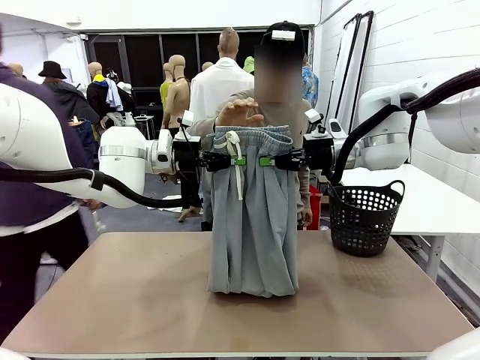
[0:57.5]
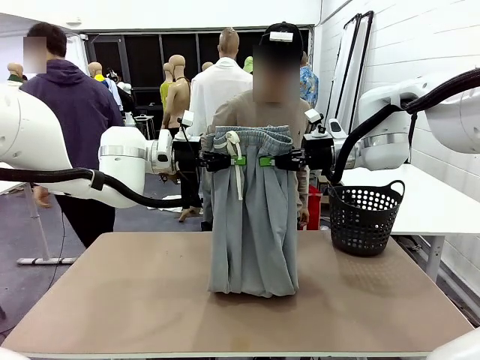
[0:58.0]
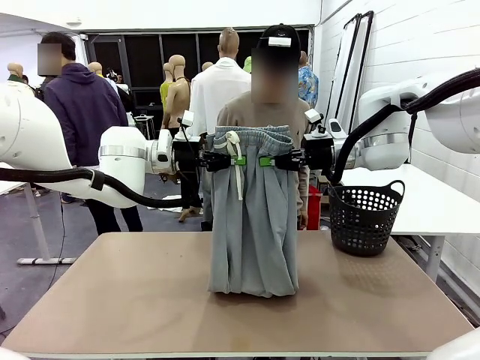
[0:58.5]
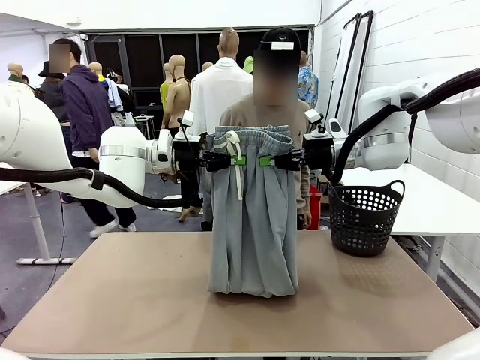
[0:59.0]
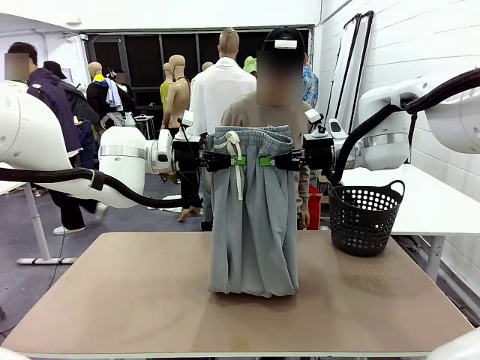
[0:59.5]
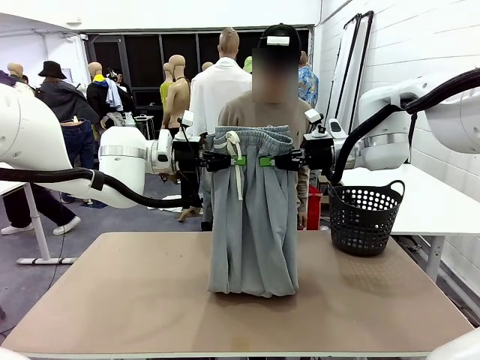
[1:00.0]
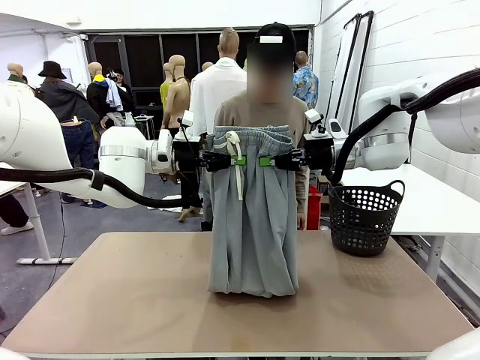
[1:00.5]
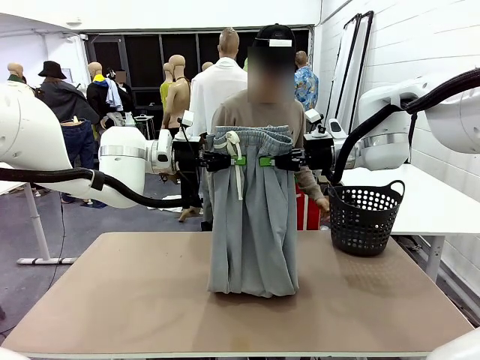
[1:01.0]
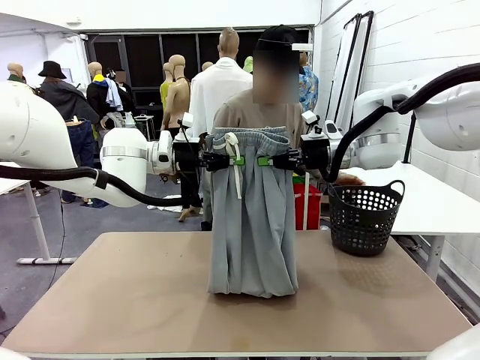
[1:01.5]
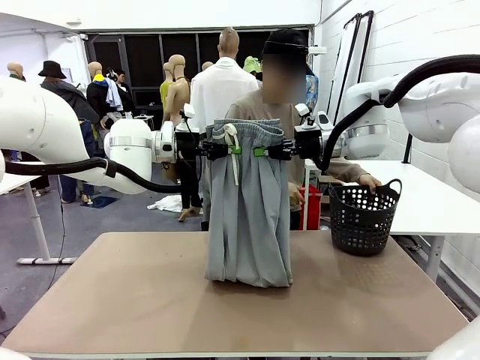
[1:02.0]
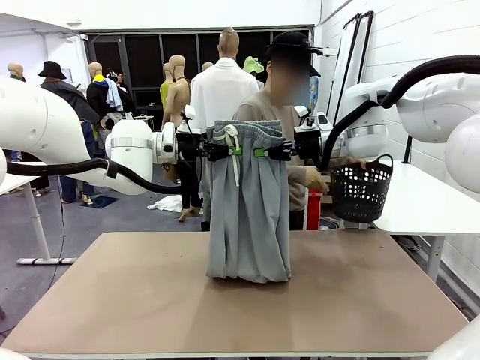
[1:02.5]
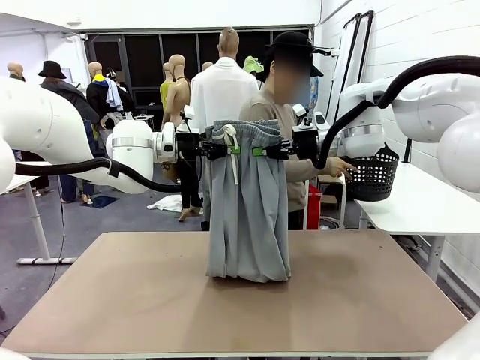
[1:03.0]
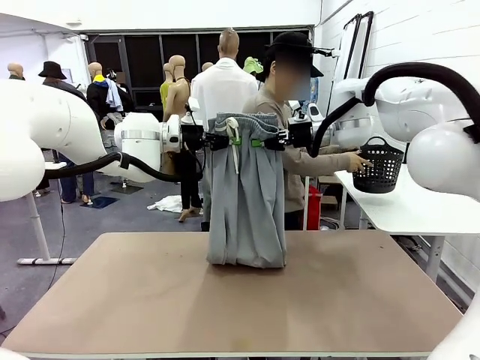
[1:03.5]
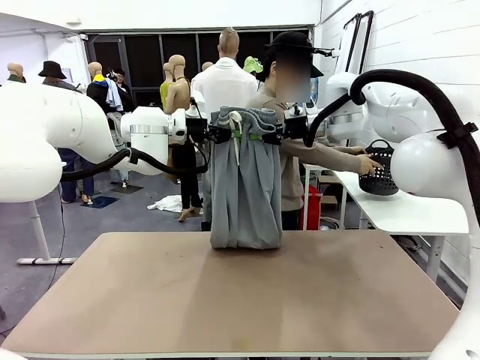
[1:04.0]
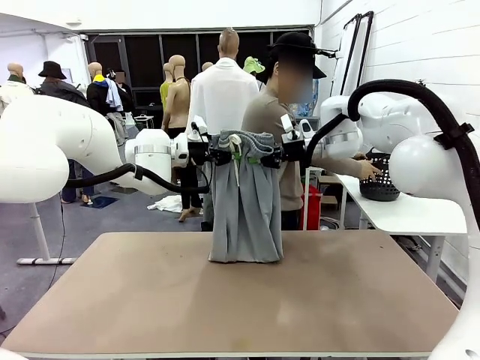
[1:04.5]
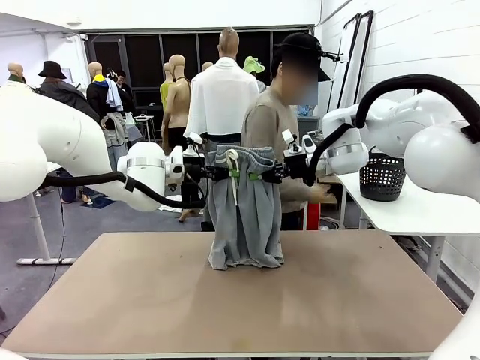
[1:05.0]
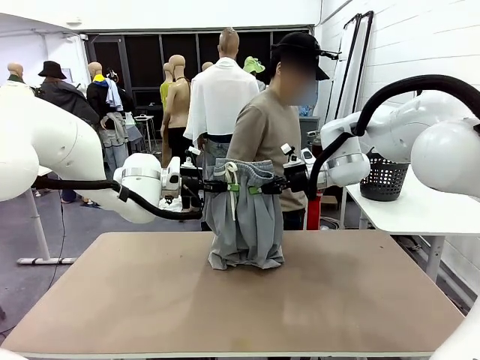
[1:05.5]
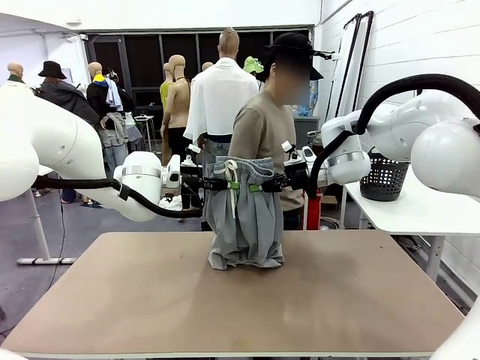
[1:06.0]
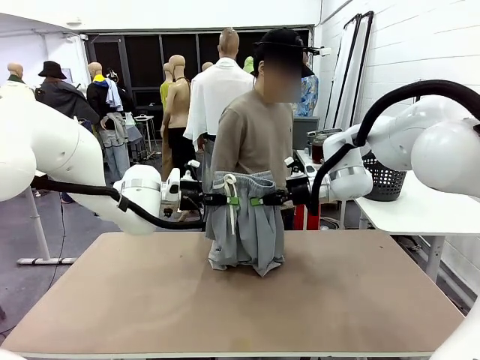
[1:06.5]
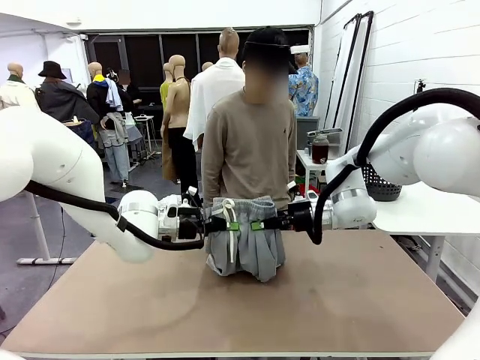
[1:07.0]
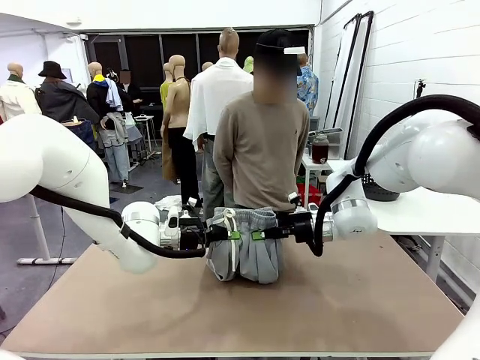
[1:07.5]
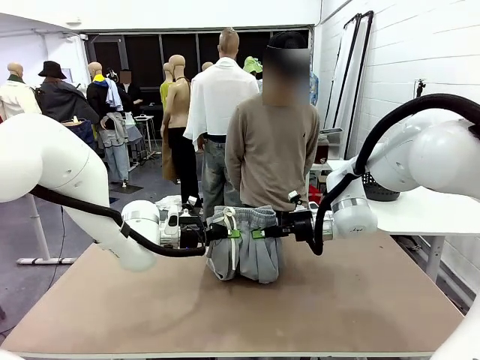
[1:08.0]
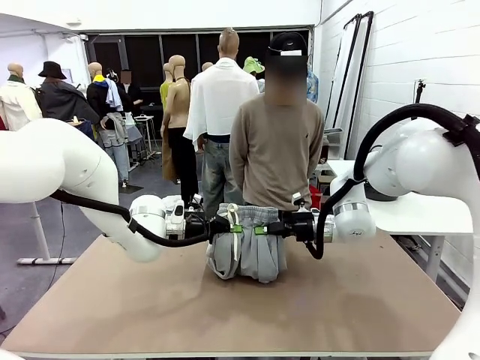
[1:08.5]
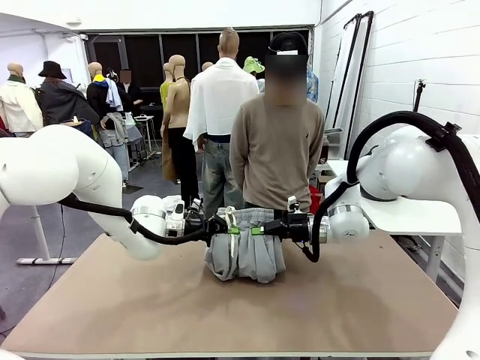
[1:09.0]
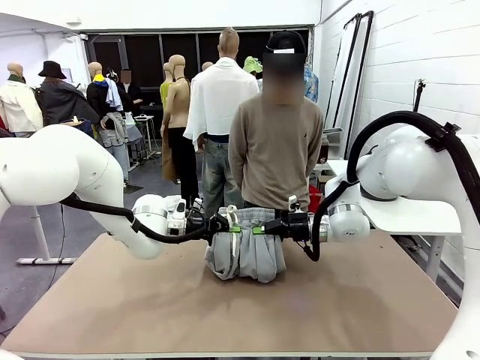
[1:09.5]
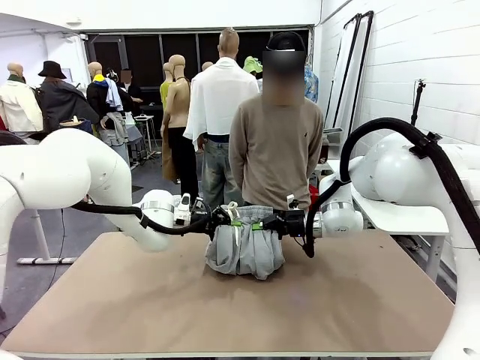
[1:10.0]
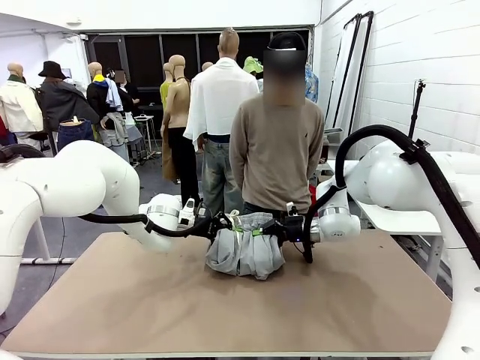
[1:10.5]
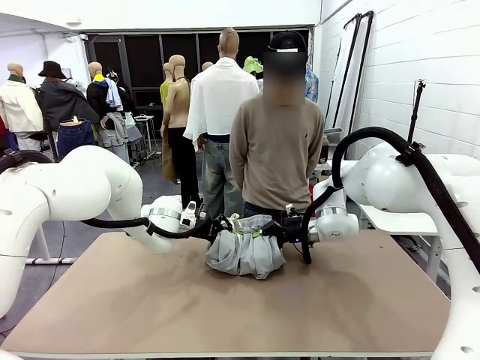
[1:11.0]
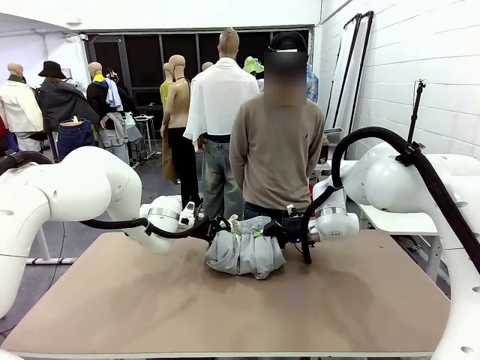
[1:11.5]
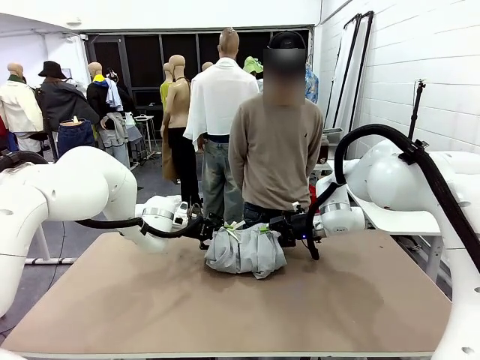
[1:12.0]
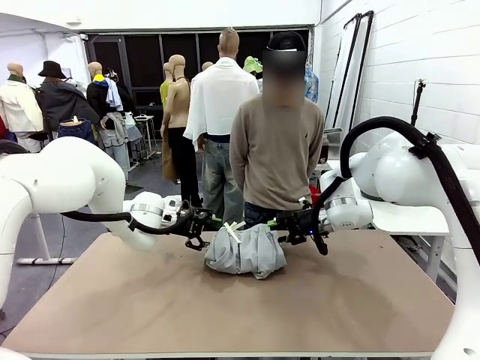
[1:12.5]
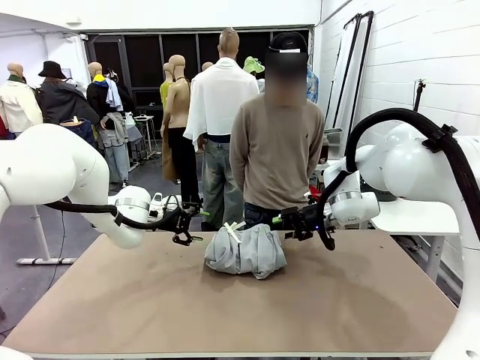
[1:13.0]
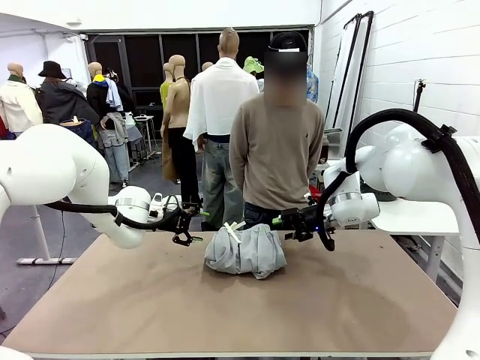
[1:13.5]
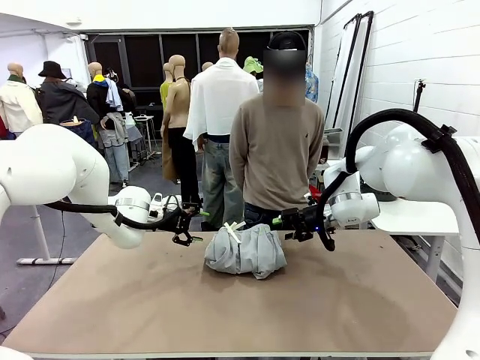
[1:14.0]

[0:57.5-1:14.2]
Task: Fold the training pants.
Robot: Fold the Training pants in half.
Person: Move the laundry basket to the right of the human table.

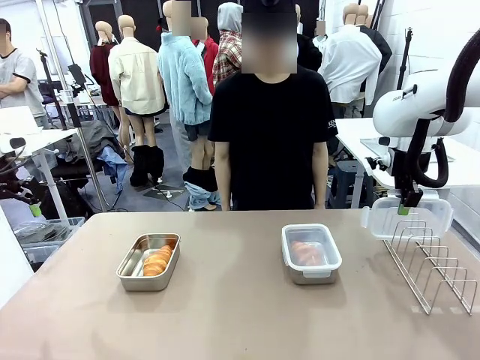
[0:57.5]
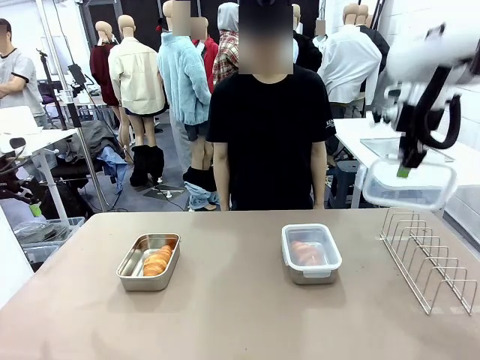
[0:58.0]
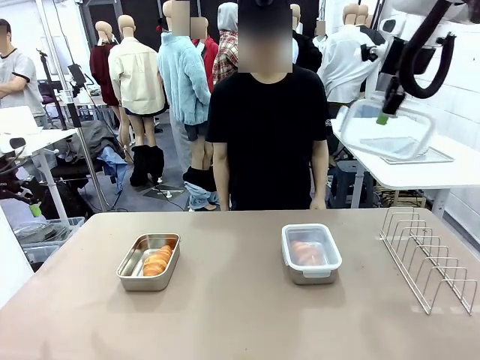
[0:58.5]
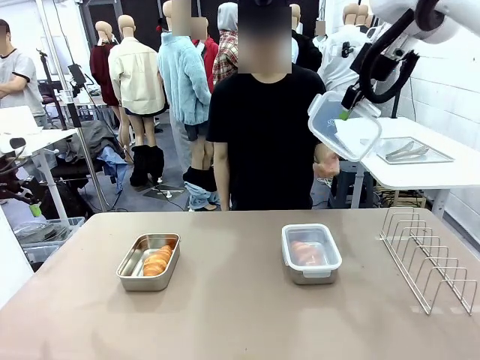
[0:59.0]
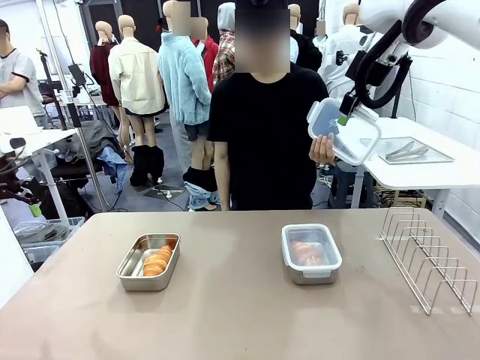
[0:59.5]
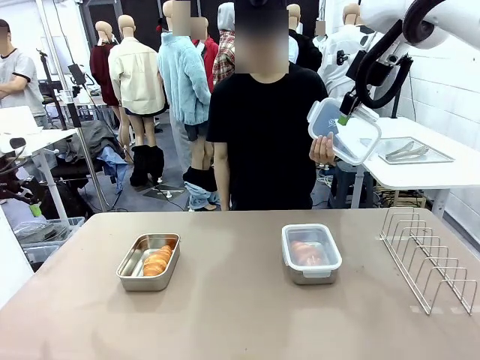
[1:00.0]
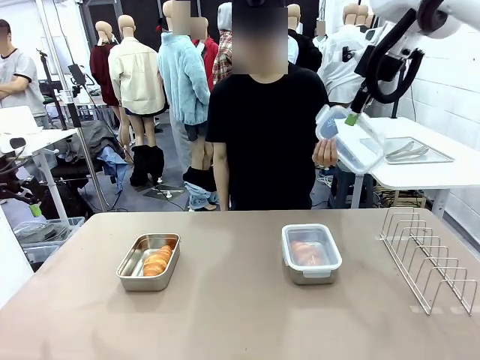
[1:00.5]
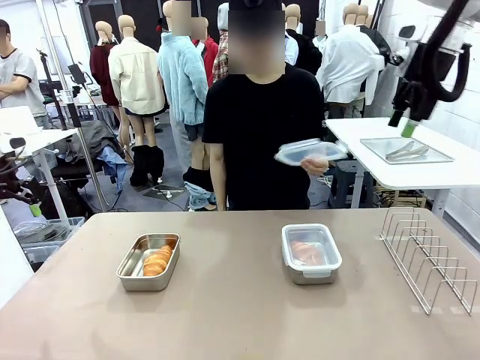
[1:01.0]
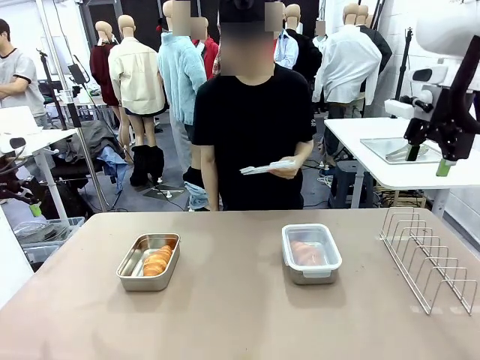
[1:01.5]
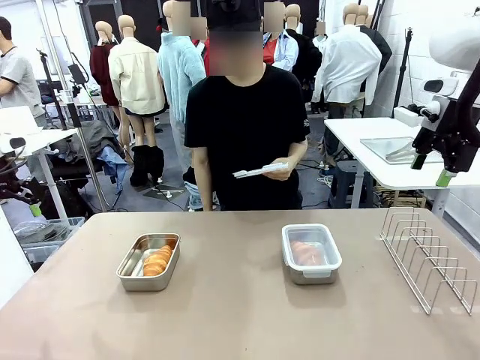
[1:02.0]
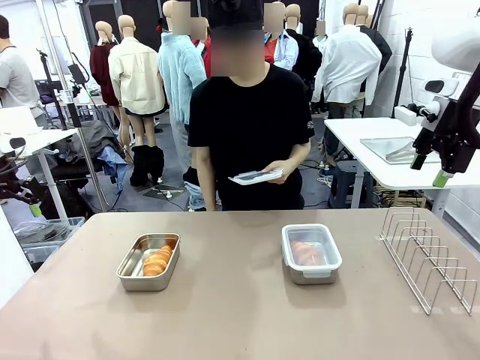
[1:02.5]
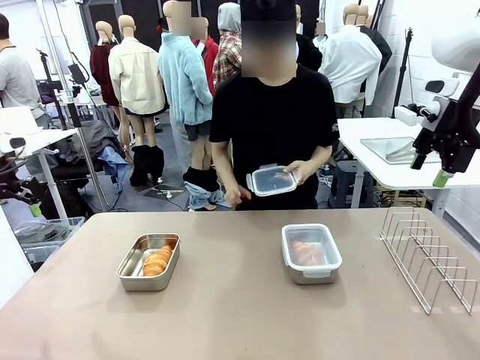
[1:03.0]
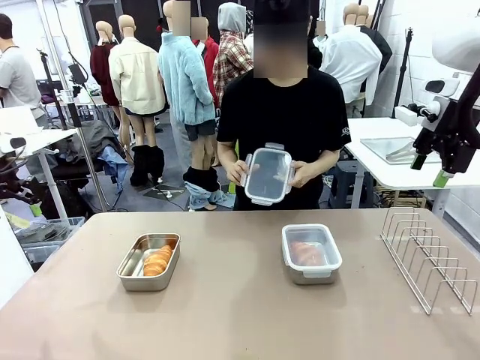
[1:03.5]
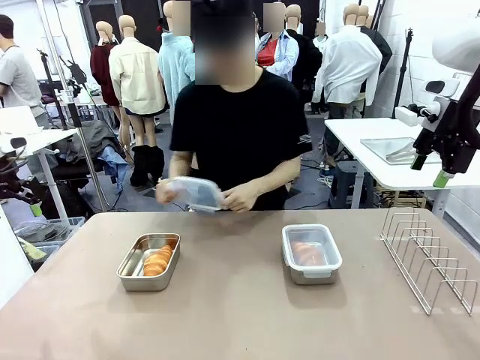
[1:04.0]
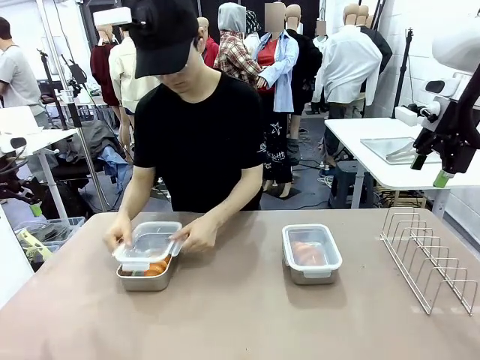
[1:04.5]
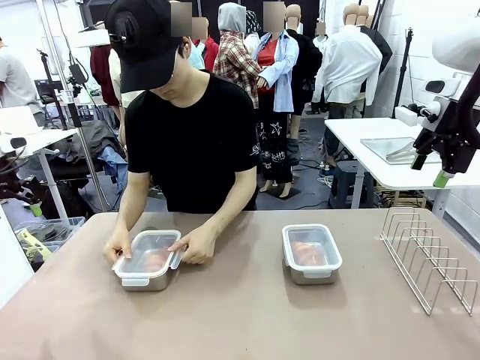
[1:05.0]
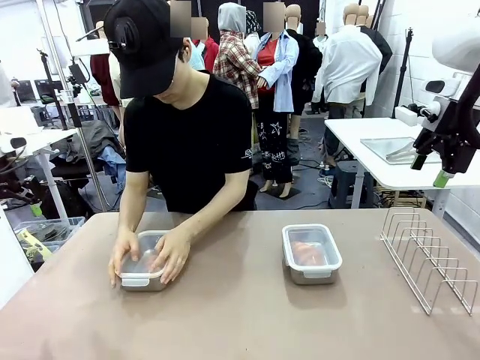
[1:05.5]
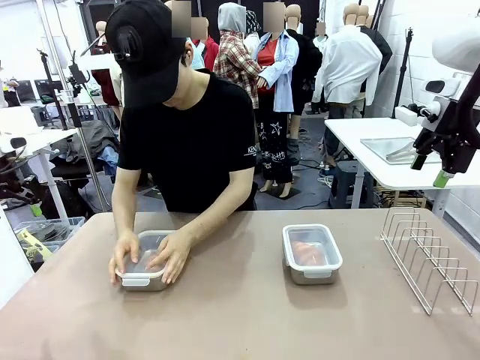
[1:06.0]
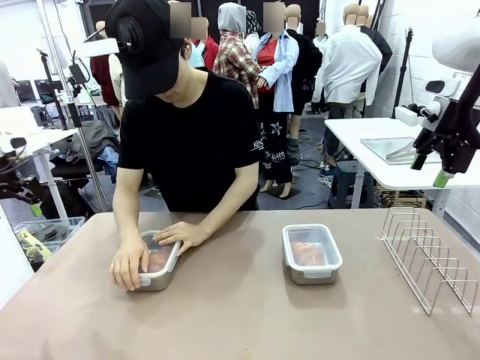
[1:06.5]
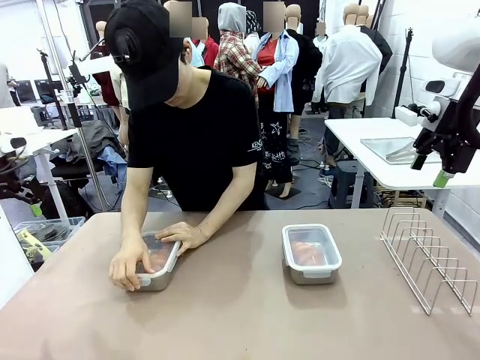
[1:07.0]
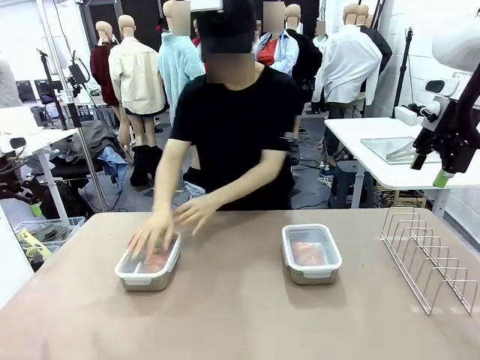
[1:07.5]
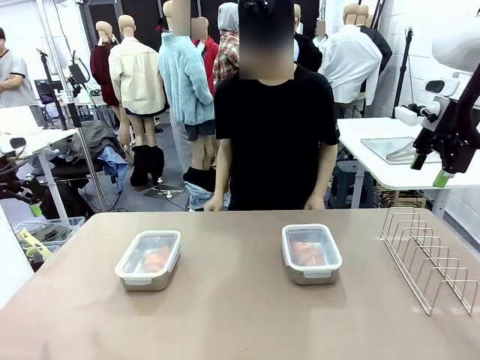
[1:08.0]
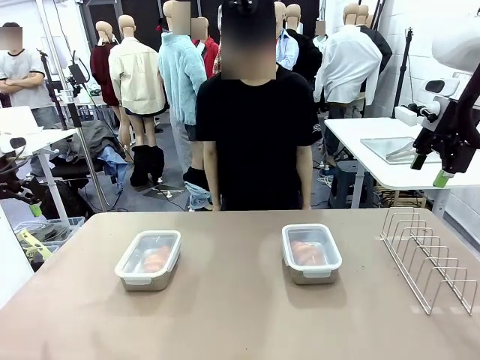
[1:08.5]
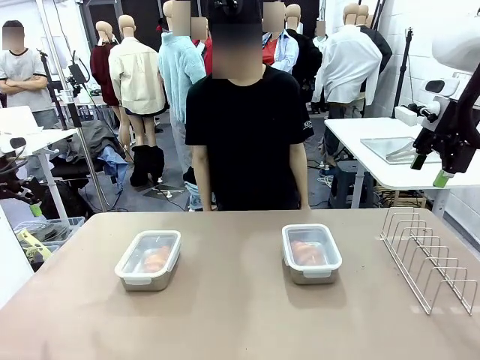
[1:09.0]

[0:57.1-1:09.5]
Task: Place the bread in airtight containers.
Robot: Release when the human grabs the Airtight Container lid.
Person: Grip Airtight Container lid that robot is handing. Close Airtight Container with a handed Airtight Container lid.
